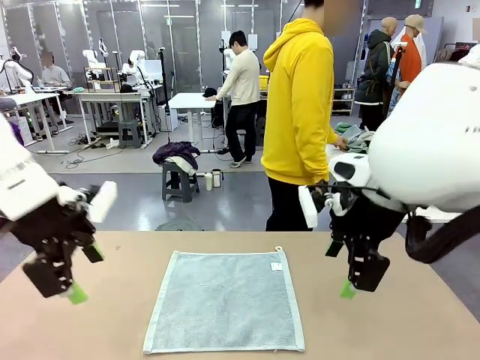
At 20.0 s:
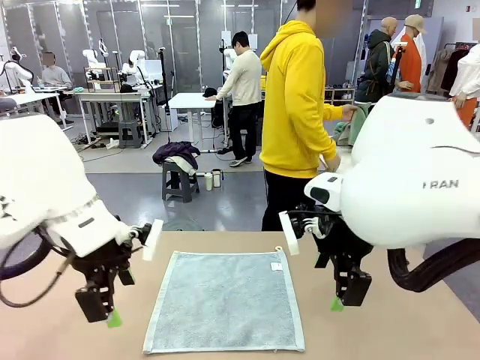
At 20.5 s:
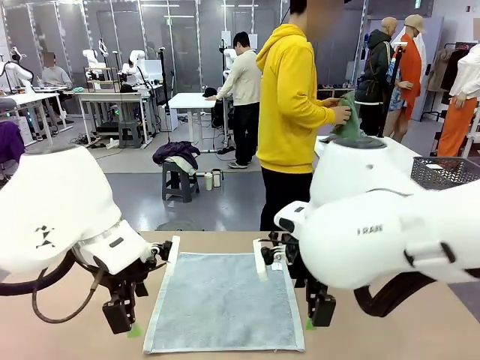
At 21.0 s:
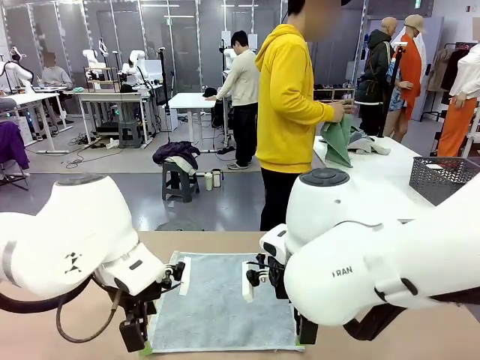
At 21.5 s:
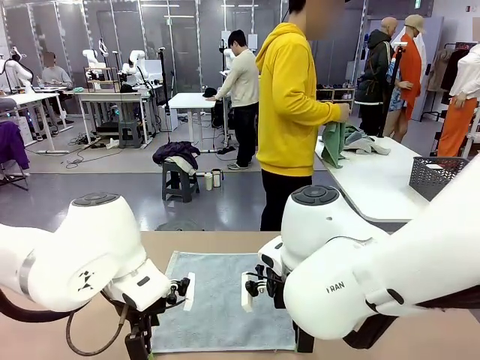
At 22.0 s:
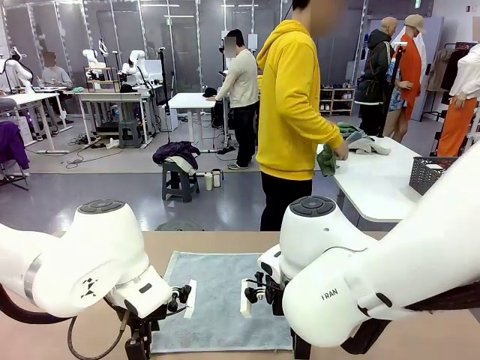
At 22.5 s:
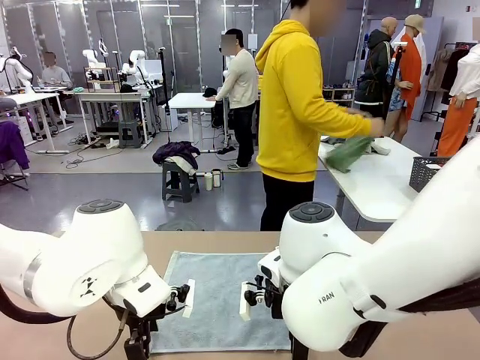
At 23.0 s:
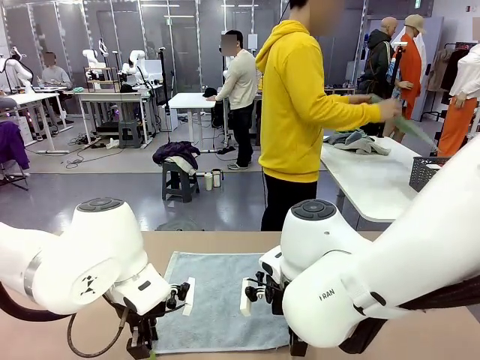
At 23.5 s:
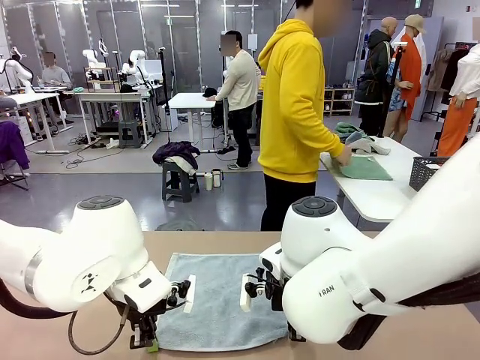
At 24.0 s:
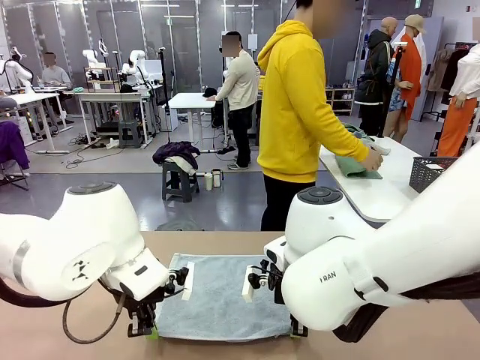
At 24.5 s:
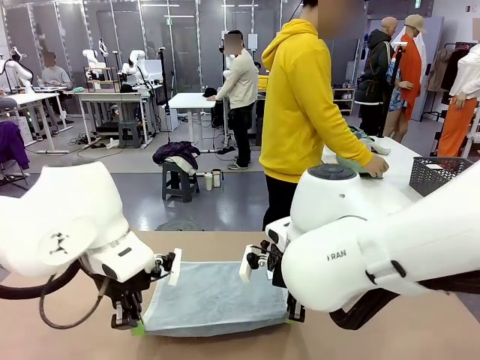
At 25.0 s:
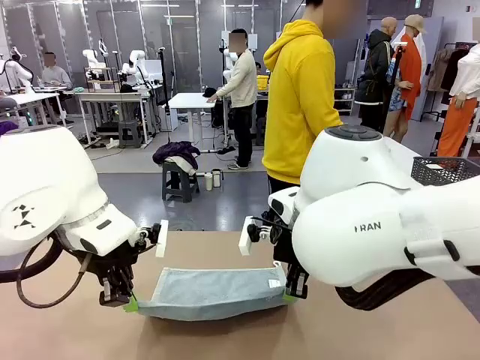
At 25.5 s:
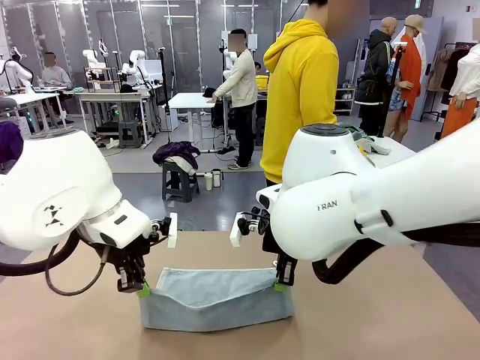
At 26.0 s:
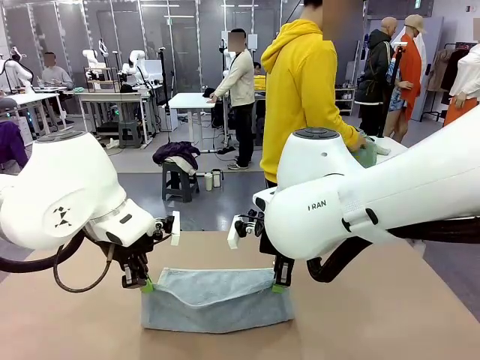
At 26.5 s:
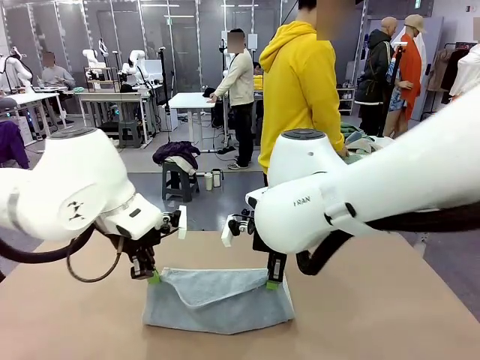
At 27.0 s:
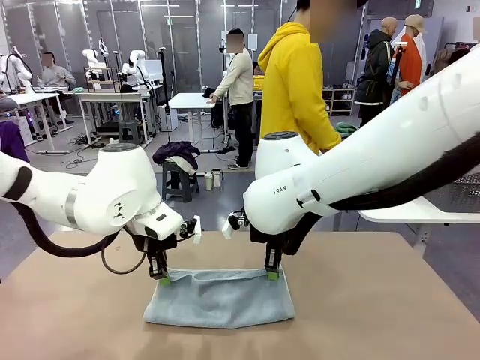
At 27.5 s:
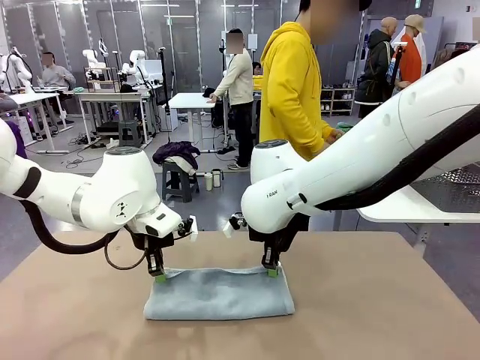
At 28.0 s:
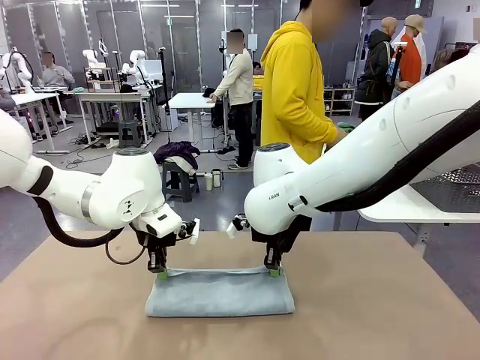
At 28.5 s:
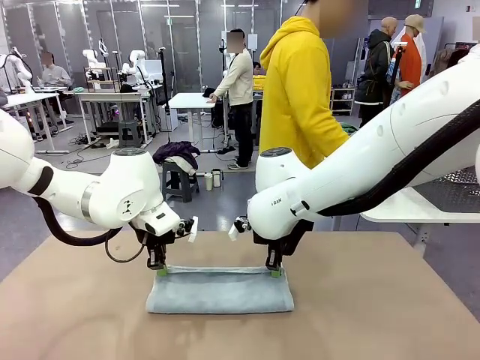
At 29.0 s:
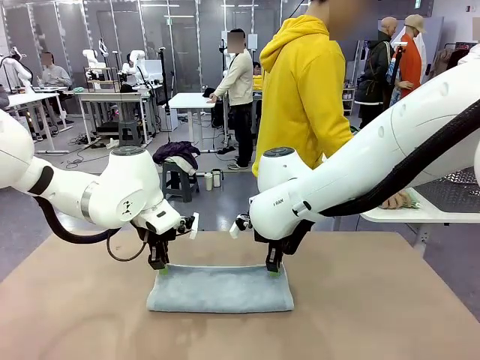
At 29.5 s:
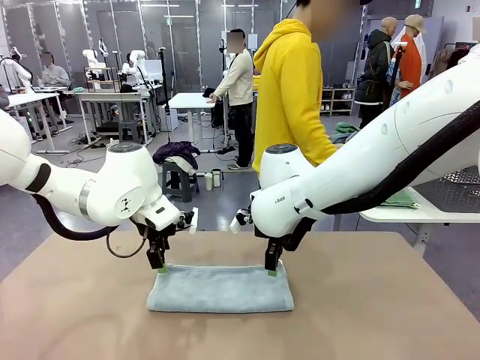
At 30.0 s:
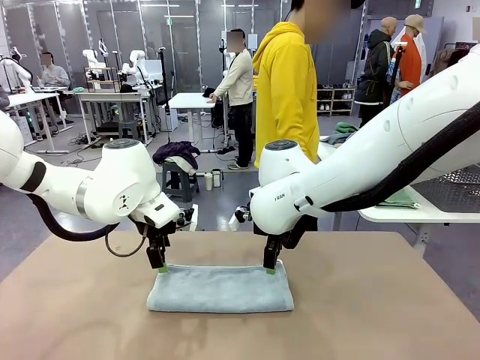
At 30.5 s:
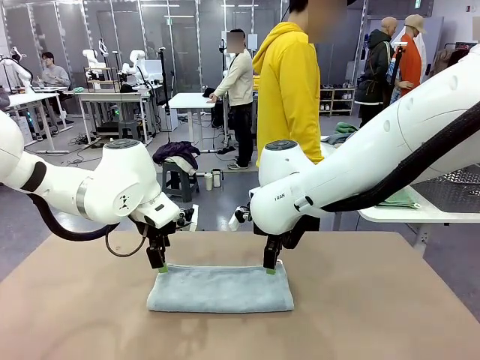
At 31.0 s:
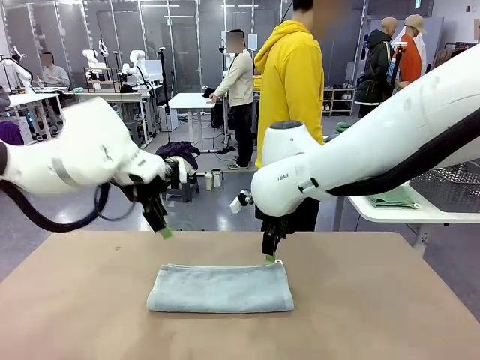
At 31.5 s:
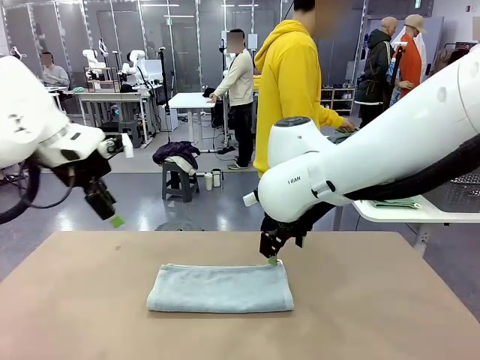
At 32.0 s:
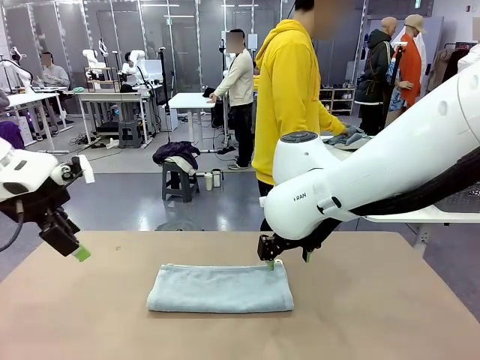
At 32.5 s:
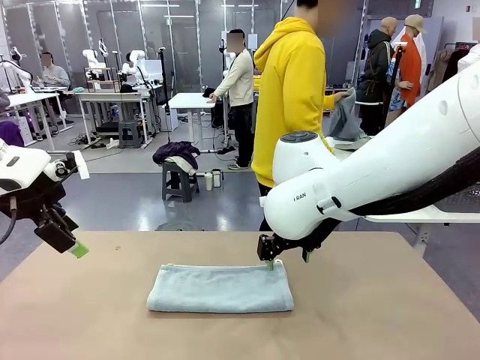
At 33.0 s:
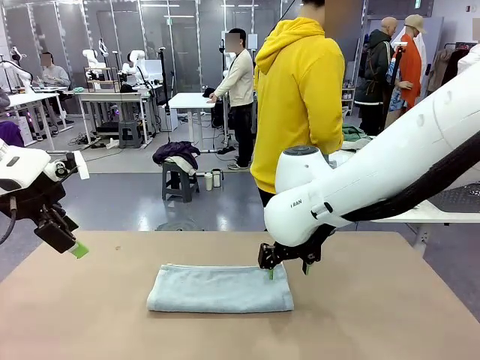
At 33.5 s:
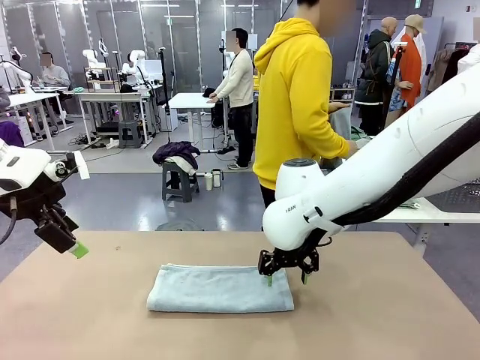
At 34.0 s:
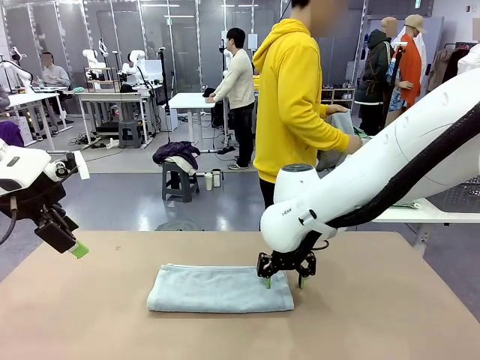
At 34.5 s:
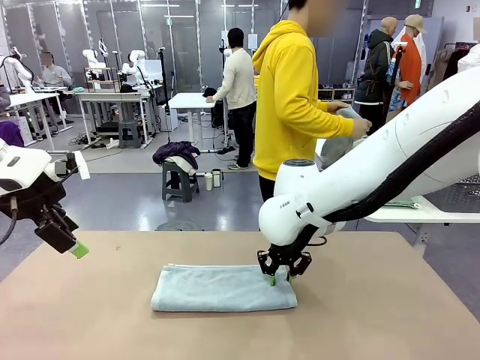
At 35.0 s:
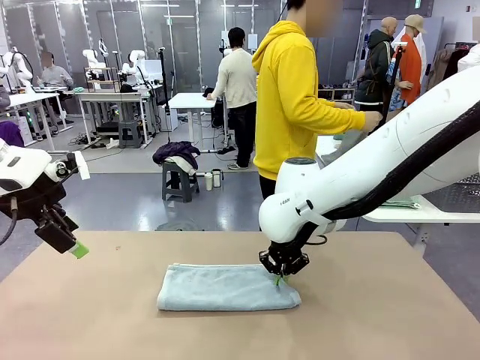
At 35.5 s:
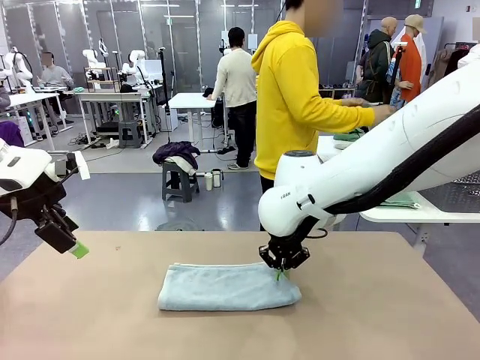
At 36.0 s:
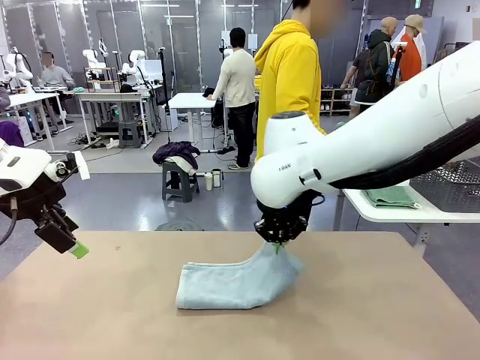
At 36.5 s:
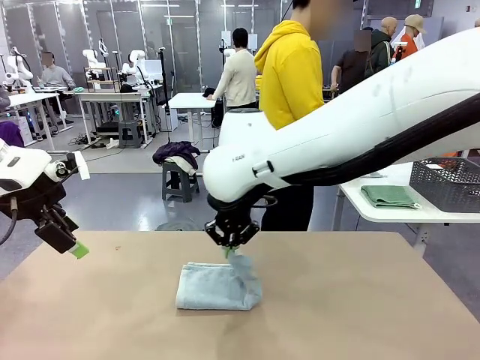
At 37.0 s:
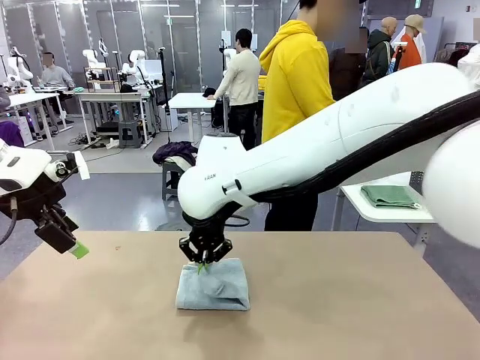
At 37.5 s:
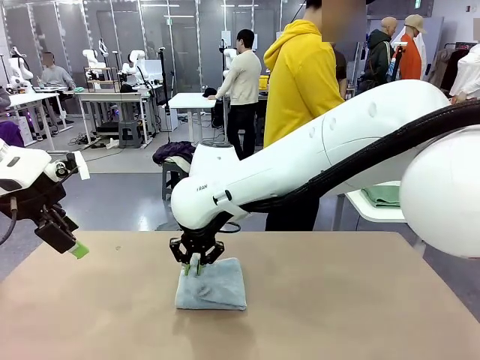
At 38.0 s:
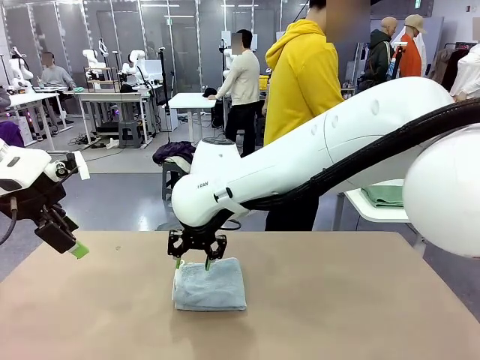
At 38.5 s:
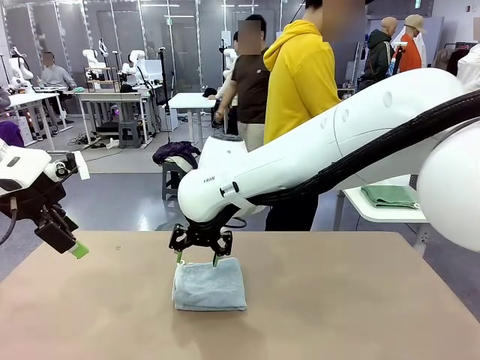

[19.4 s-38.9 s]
Task: Fold the towels and place them in the basket.
Robot: When a person lays out a Towel with hook on the table, fold it in half twice.
Person: Pick up one towel from the left side of the human table, fold it in half twice, and place it on the right side of the table. Pick up one towel from the left side of the human table, fold it in half twice, and stack it on the right side of the table.

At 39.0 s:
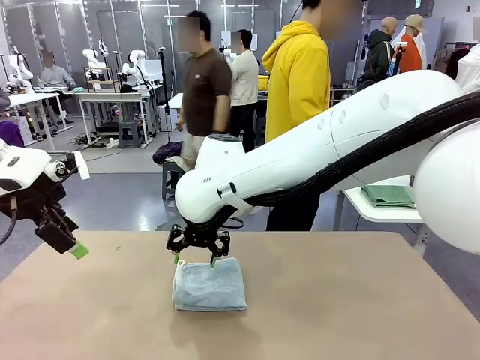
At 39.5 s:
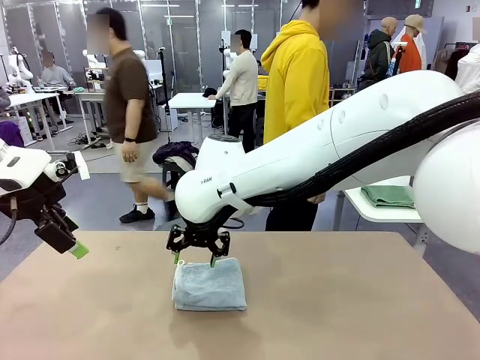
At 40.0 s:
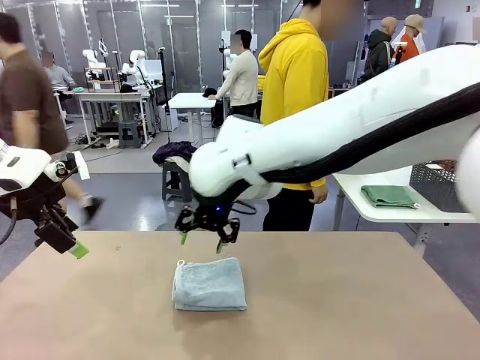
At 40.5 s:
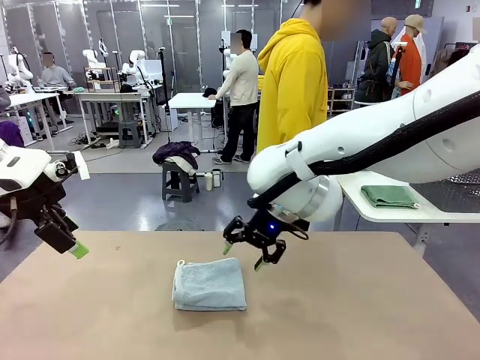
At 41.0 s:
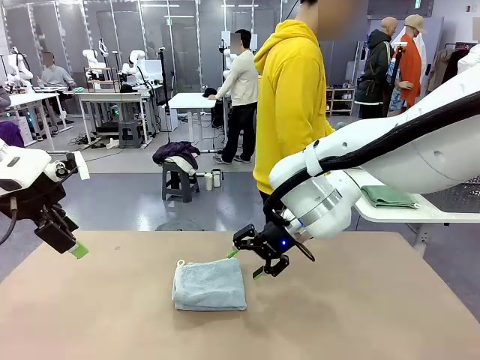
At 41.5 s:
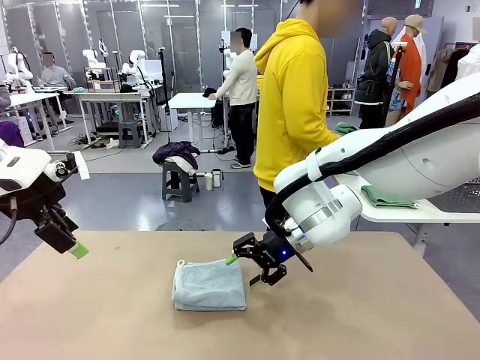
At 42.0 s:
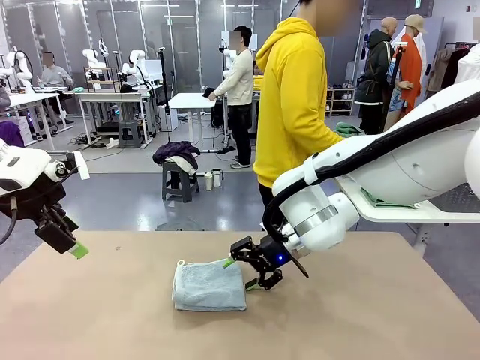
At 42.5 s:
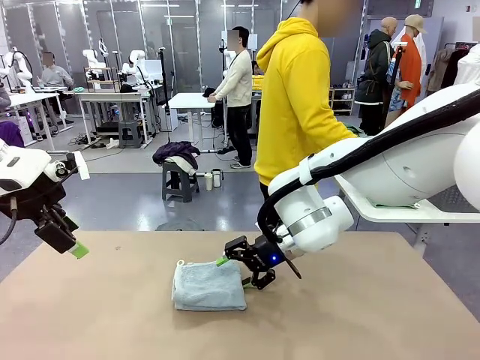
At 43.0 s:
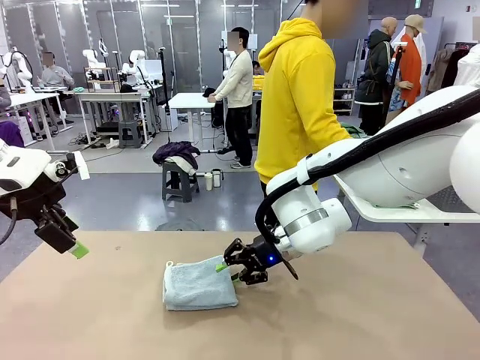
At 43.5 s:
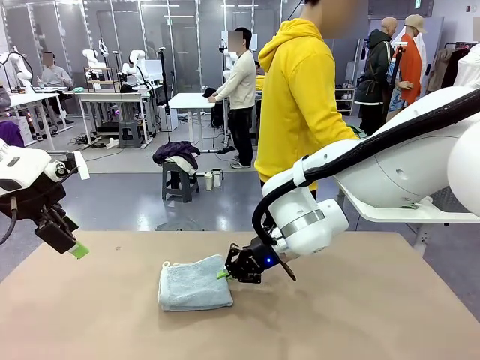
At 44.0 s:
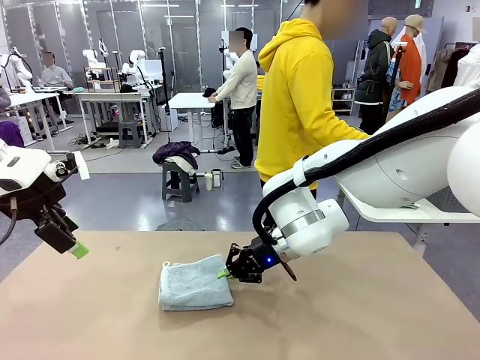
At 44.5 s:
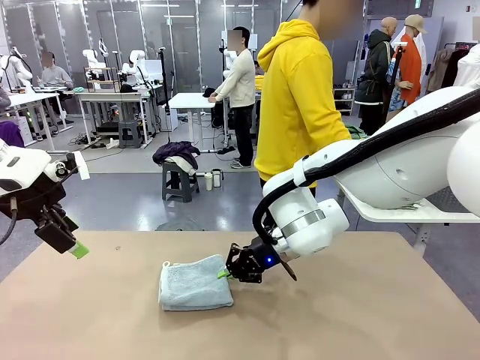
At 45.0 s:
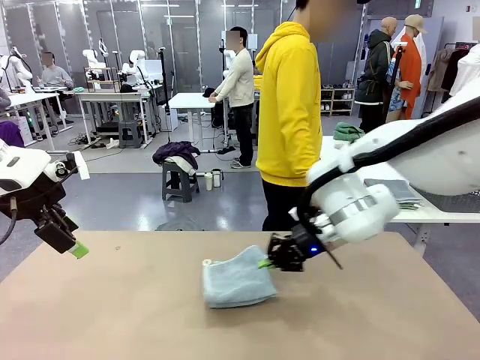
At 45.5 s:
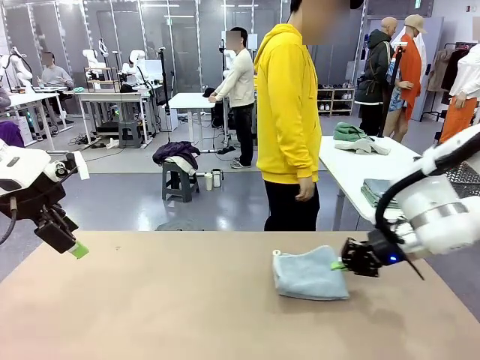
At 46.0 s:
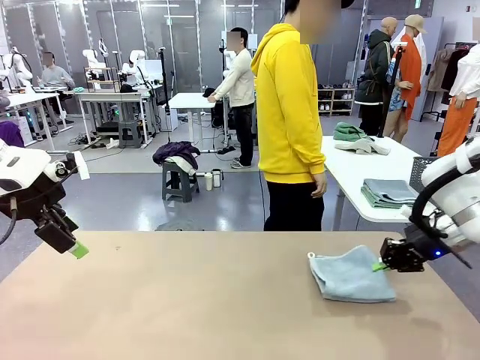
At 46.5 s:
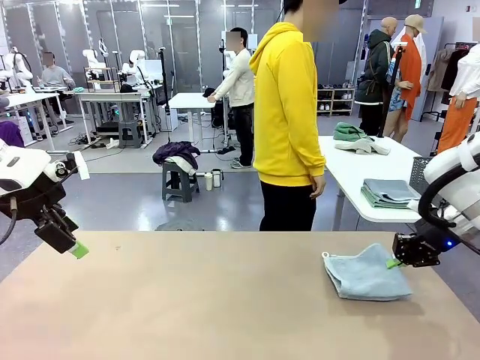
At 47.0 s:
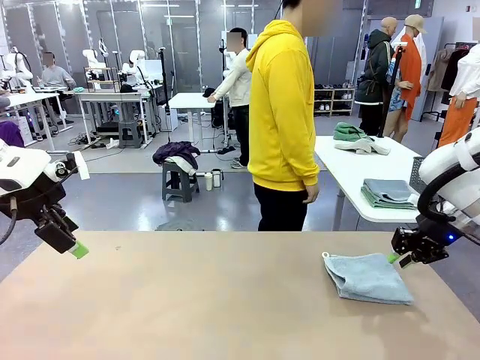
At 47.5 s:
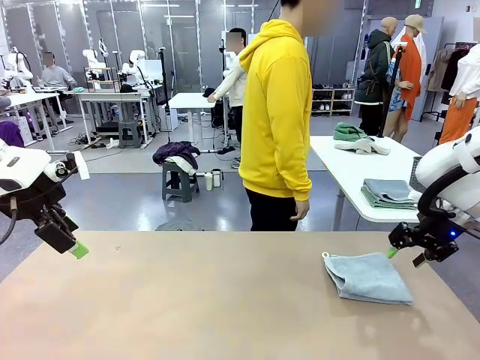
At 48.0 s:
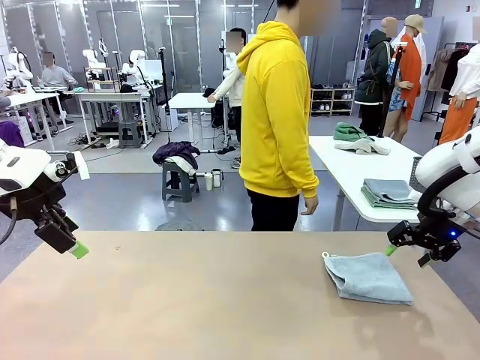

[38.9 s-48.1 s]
Robot: Place the folded Towel with hook on the right side of the table.
